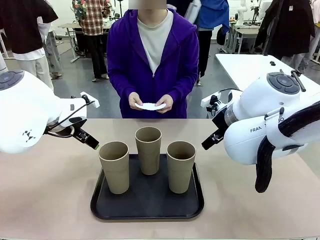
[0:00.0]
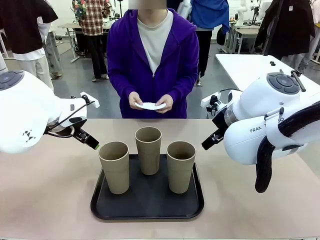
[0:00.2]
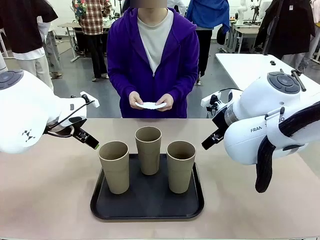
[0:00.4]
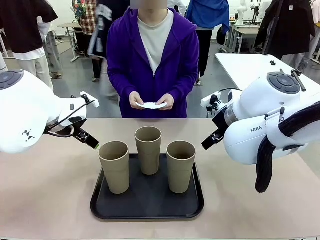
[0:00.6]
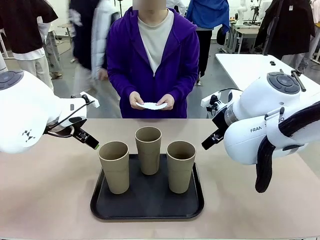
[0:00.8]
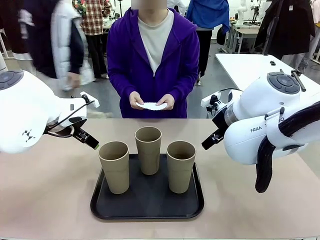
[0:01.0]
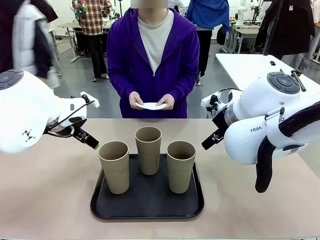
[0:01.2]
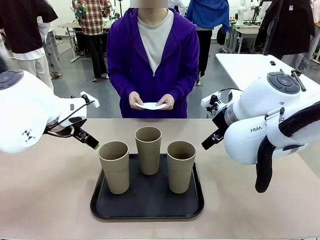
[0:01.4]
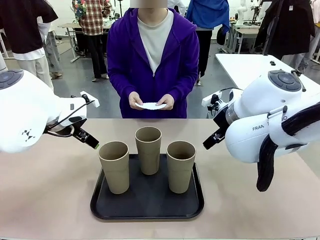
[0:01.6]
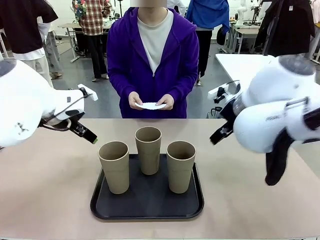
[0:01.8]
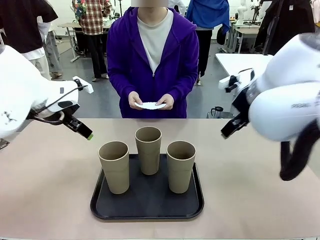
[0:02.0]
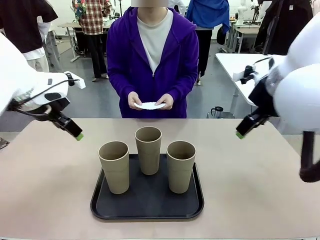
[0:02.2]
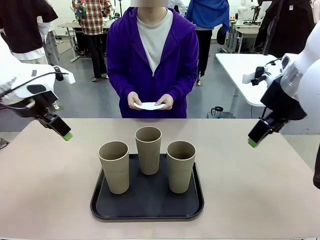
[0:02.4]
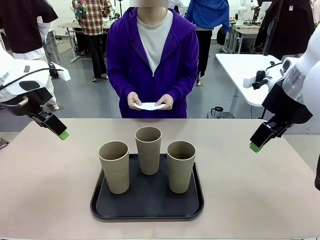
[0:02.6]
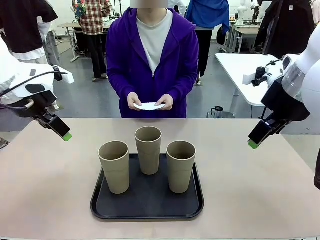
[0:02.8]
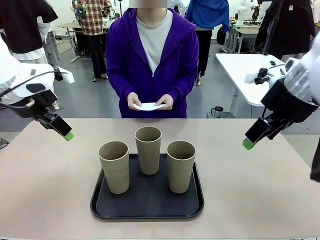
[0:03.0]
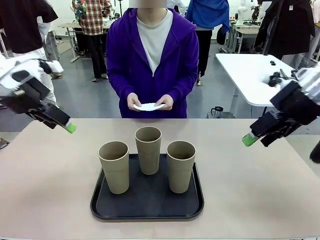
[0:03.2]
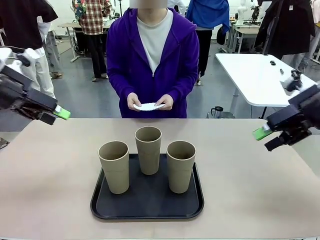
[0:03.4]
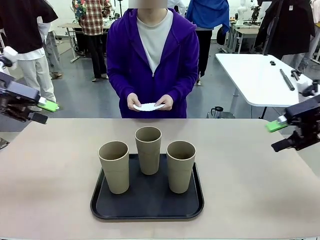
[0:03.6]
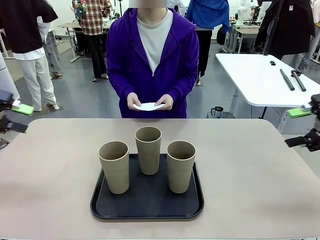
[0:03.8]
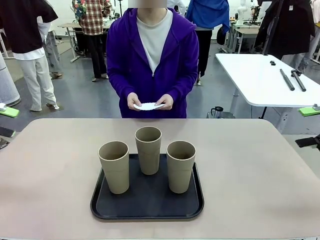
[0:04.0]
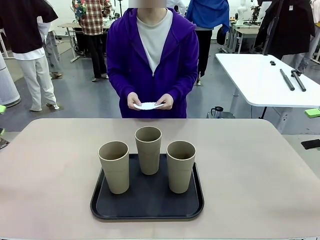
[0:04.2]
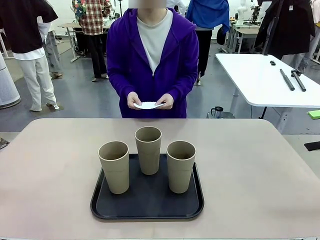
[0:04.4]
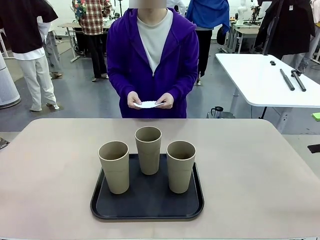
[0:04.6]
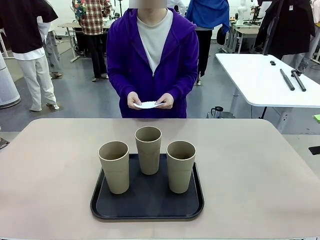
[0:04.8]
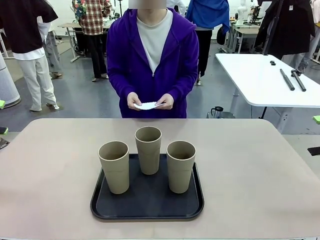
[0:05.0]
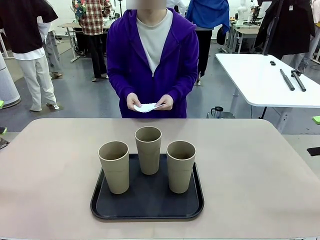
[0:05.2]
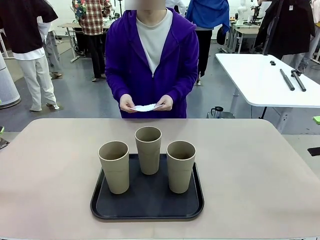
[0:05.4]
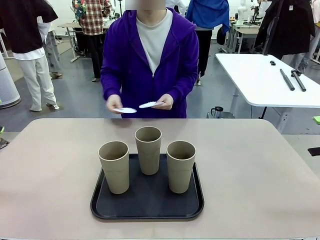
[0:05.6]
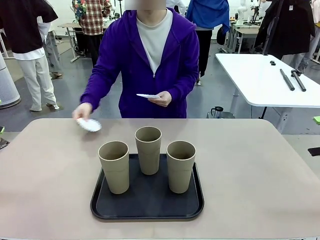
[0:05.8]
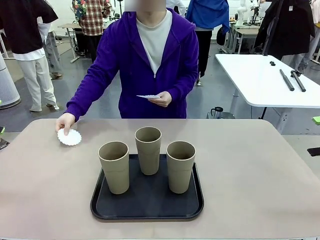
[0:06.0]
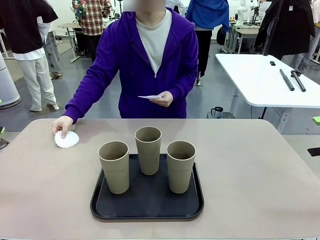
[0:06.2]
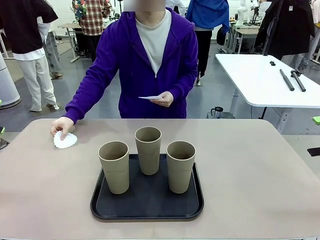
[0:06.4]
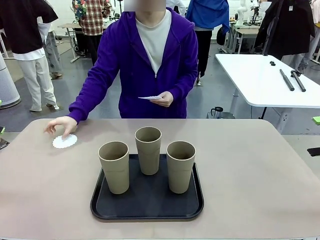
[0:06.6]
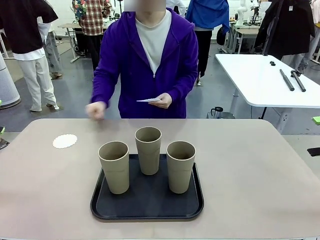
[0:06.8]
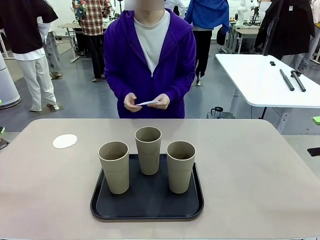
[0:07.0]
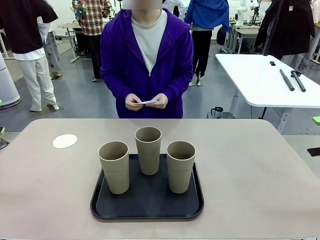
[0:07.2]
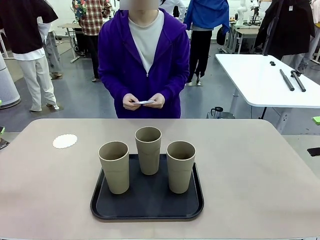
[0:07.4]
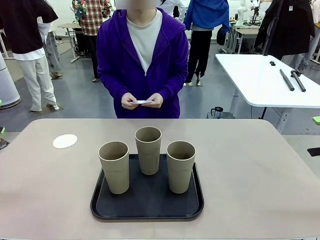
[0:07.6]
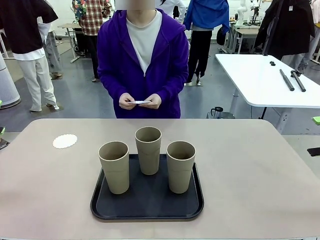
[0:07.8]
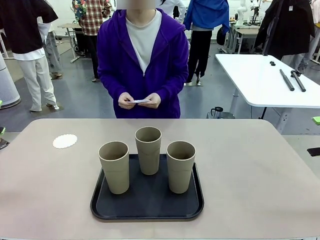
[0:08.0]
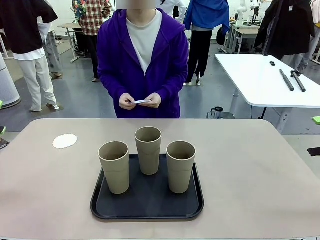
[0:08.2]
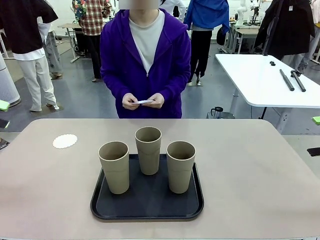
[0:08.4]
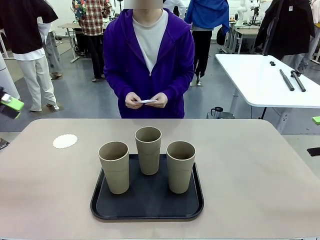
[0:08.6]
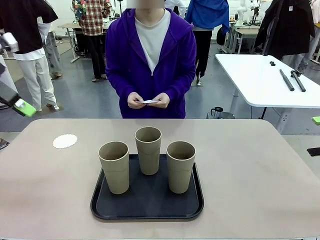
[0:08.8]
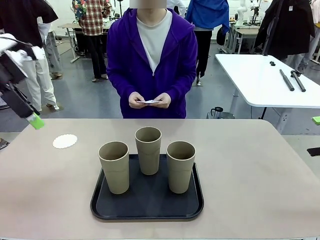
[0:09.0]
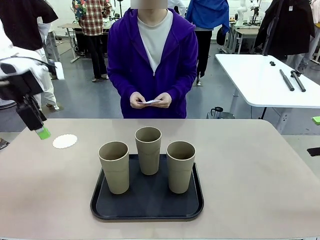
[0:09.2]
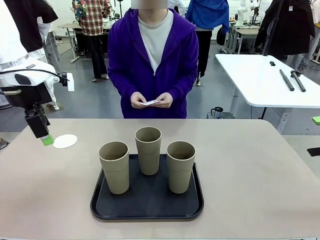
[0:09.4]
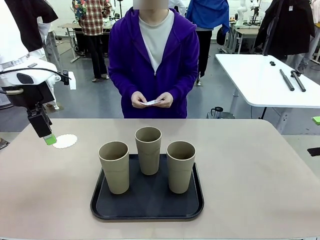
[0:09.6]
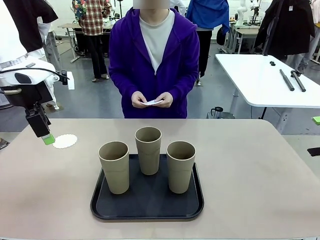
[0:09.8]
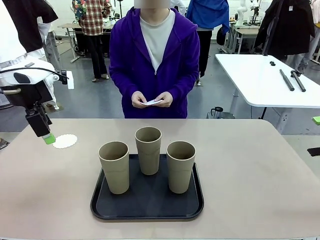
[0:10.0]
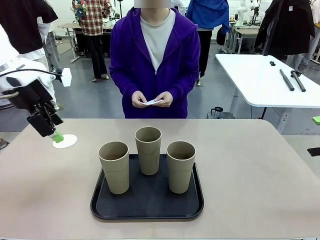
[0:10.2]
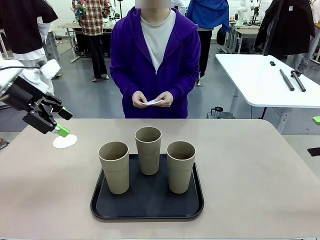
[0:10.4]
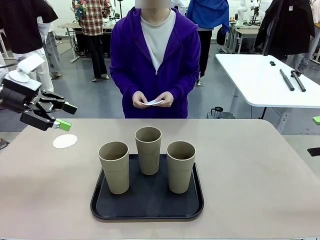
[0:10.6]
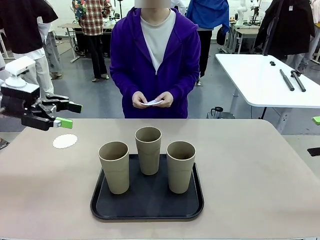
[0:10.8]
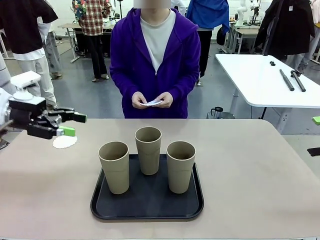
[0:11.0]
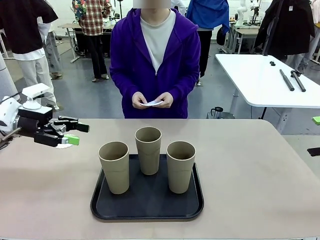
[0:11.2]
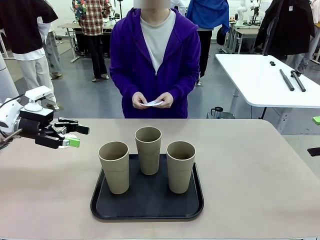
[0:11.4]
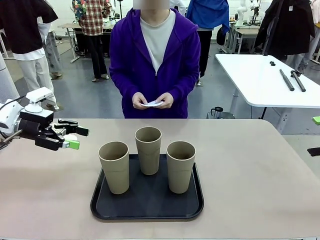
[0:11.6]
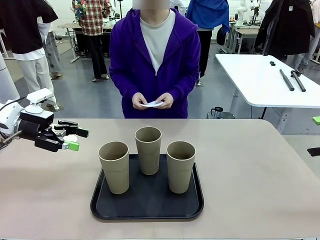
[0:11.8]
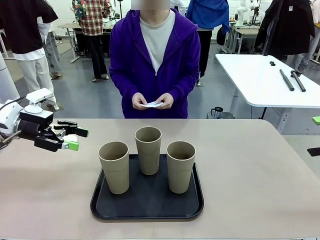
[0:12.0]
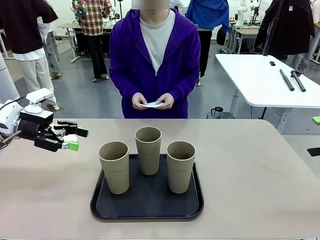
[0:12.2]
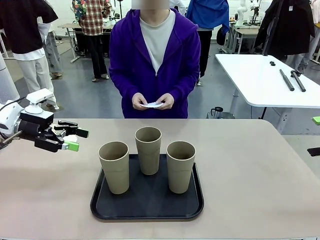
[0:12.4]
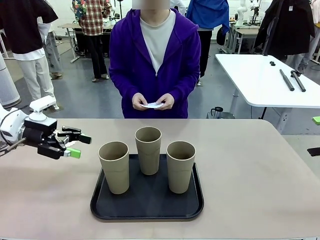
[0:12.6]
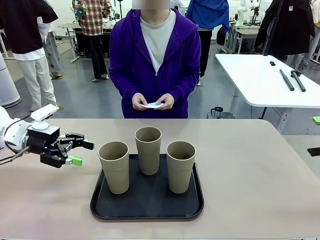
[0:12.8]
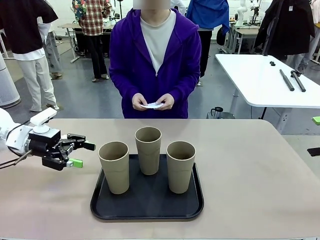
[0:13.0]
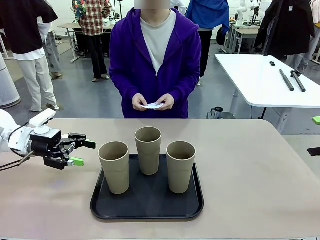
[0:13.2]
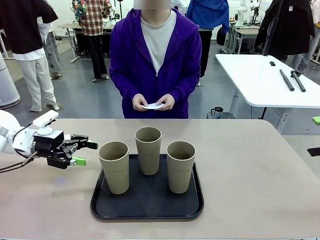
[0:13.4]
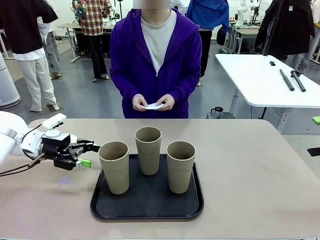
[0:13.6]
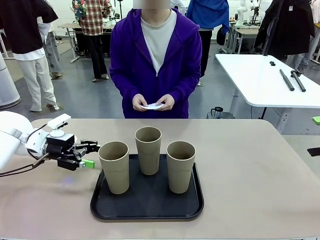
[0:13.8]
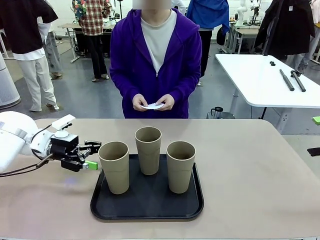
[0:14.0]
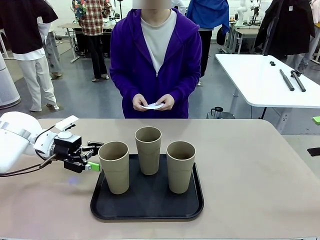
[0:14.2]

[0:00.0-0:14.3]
Task: Place coasters on the table and set cups on them.
Robot: Pick up one Reusable plastic cup and place it on a coaster set by the human.
Person: Place one coaster in any one of the three lower areas of the robot table (left, center, or right).
